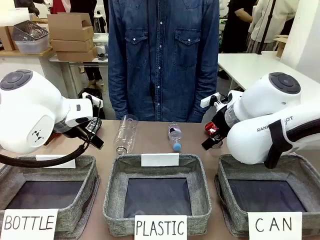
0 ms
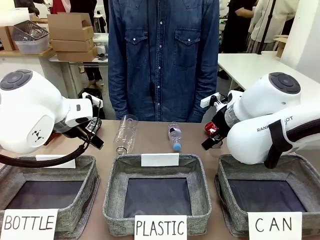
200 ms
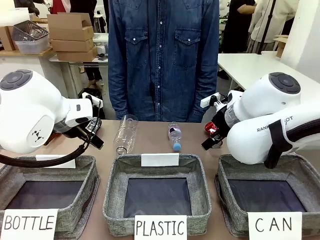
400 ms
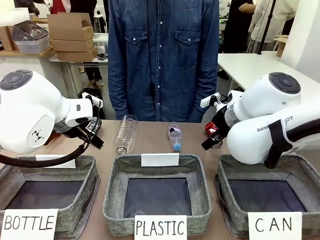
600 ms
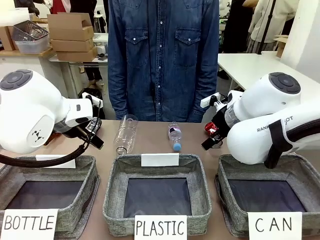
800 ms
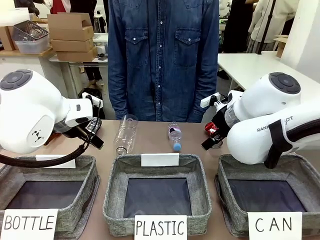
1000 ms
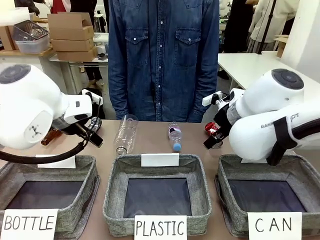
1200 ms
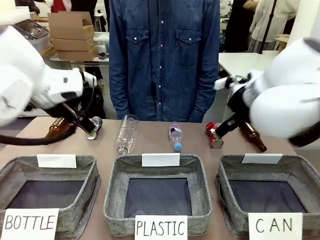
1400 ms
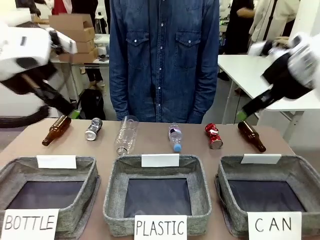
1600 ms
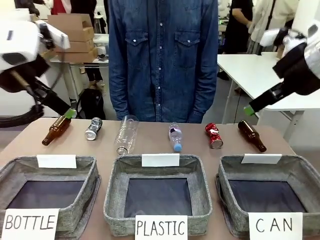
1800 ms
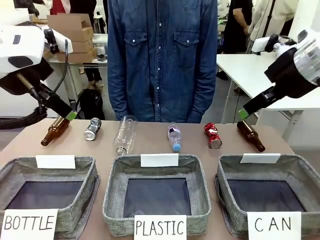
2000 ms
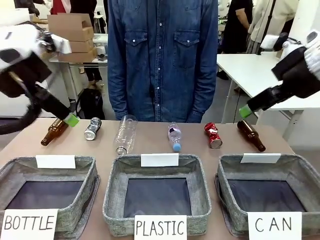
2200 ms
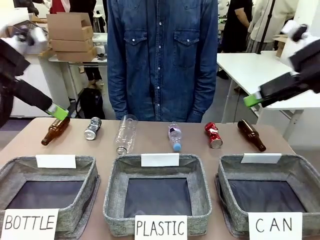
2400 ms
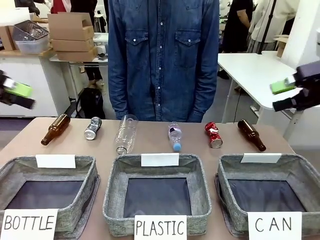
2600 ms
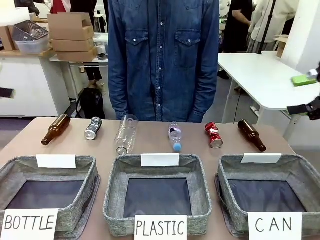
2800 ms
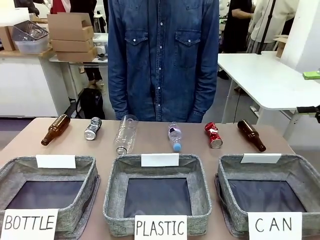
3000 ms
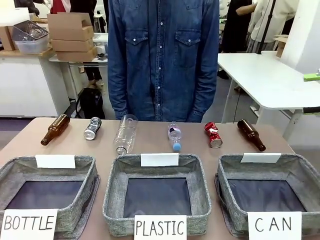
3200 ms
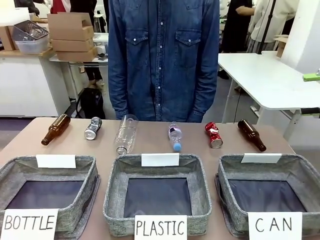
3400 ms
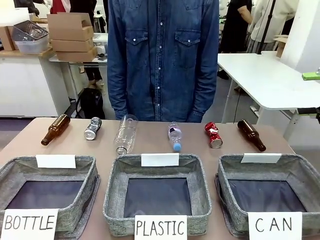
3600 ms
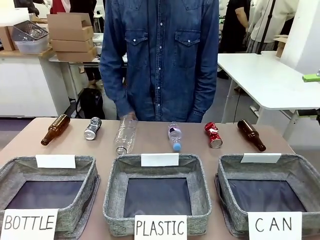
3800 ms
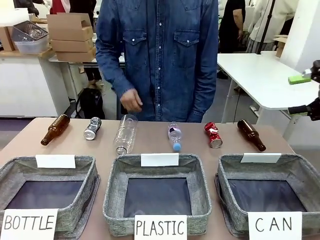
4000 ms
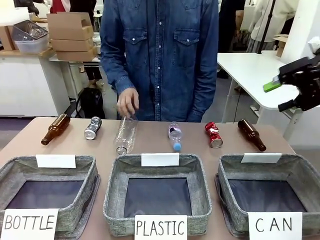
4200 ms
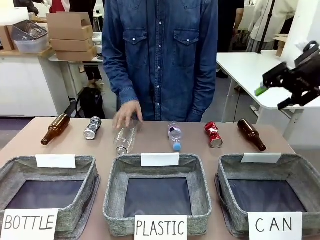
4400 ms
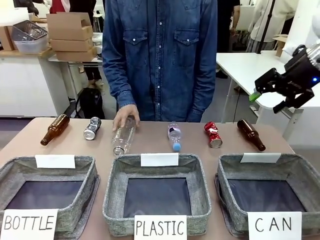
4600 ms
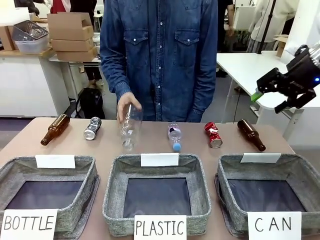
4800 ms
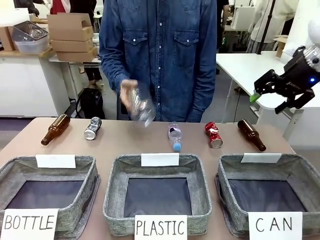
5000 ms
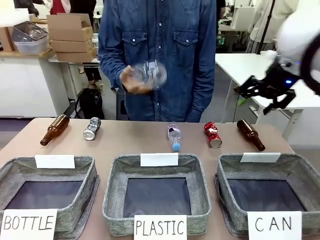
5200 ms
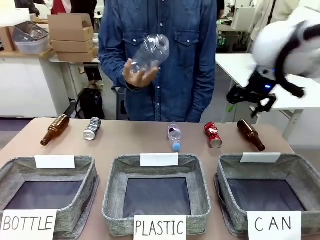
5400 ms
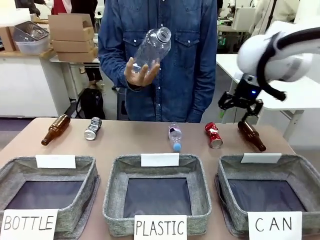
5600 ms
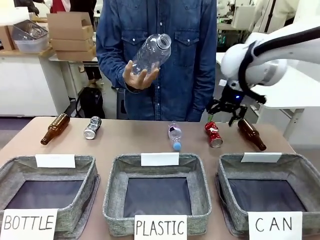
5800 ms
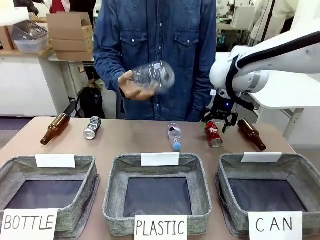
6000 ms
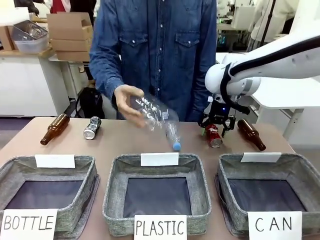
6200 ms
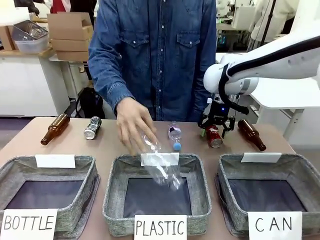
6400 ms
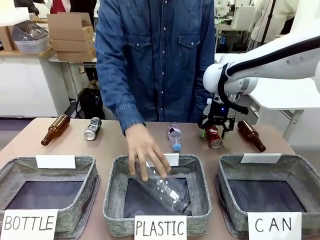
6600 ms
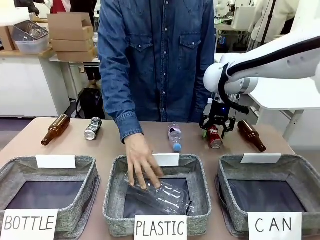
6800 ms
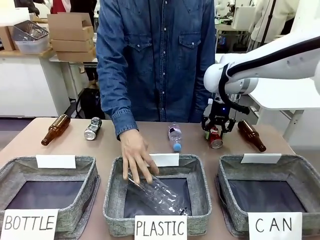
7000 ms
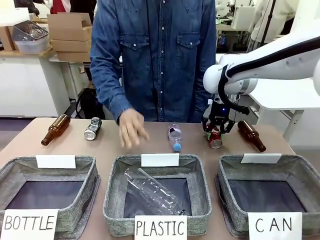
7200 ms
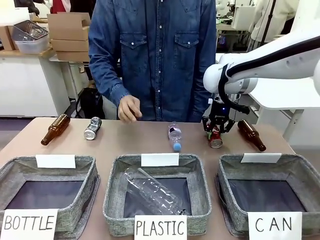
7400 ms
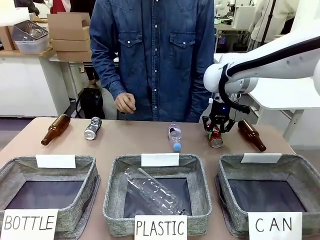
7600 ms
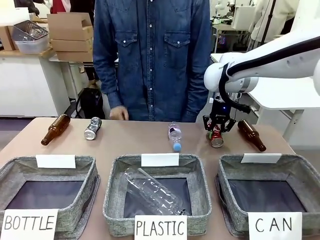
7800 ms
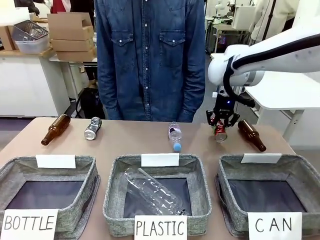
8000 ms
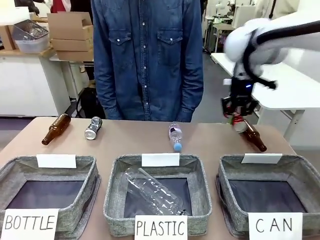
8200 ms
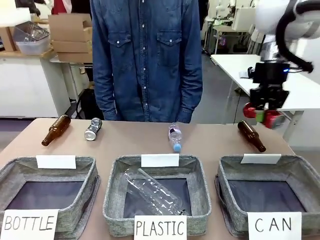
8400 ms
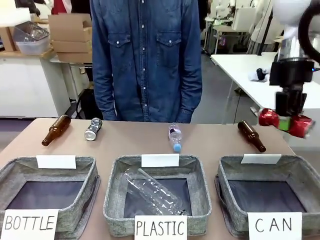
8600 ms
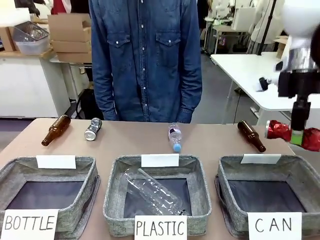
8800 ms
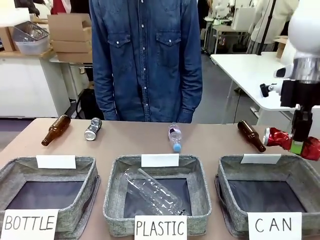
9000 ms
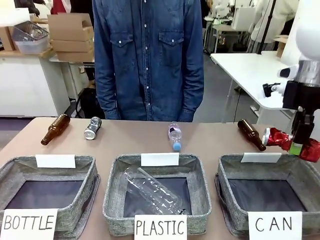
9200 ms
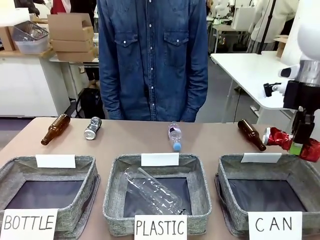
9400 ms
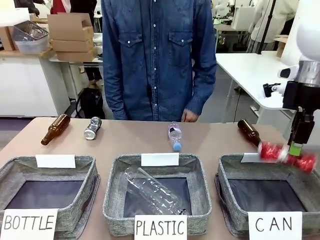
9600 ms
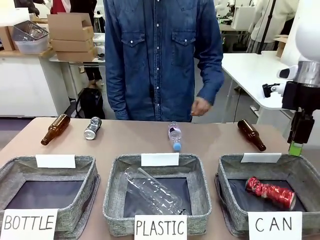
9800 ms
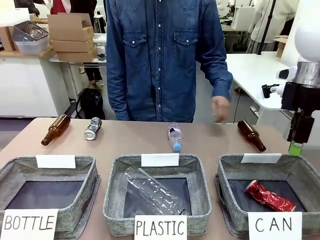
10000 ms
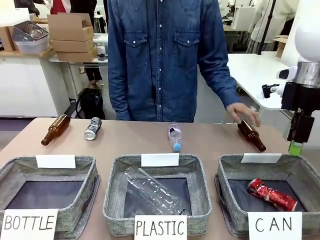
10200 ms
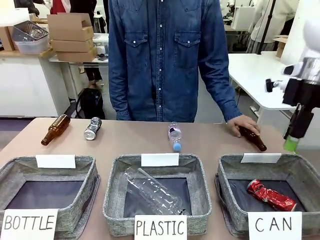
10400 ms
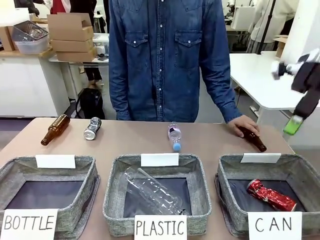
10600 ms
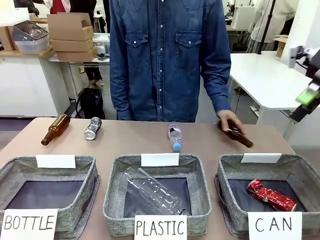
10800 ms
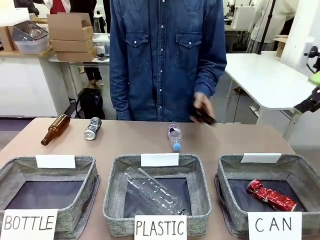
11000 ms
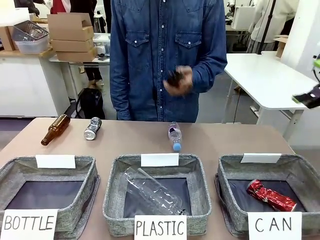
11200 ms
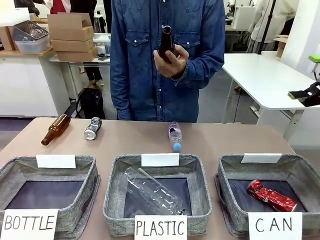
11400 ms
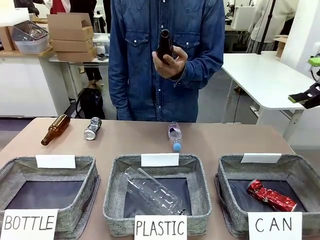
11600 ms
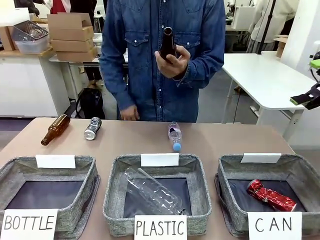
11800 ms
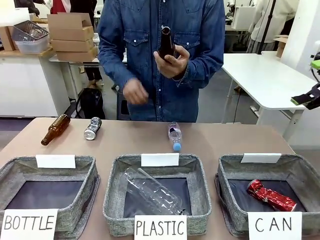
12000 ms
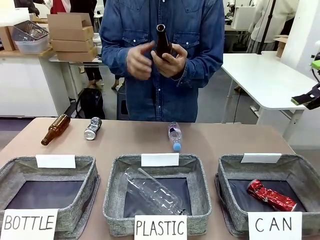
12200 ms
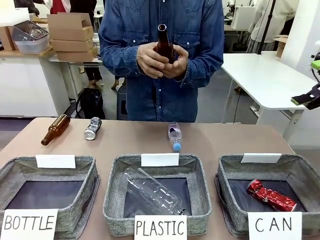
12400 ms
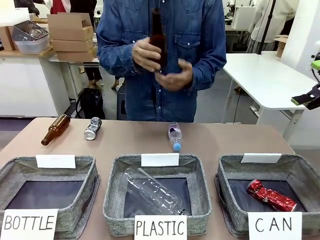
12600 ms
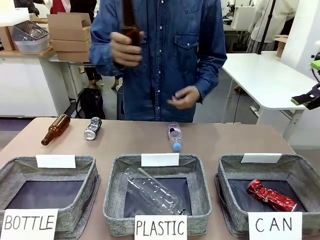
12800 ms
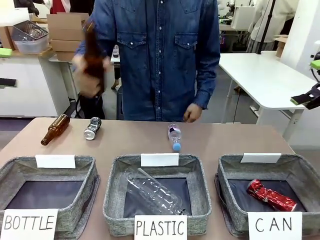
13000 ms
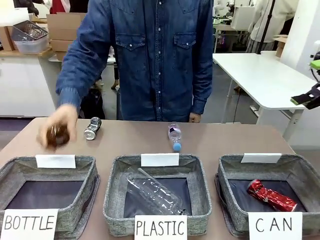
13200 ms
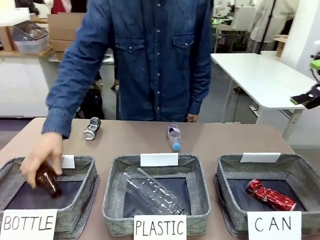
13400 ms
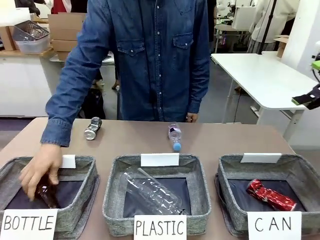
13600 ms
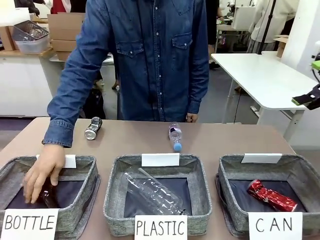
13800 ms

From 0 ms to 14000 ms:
Task: Sort the can waste into the basket.
Robot: Pick up the can waste from the table and place it in the right Fabric basket.

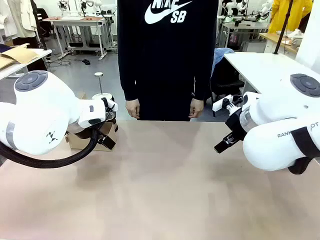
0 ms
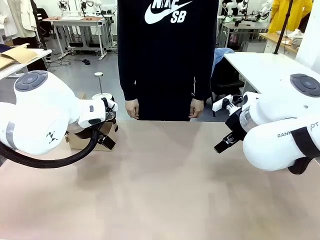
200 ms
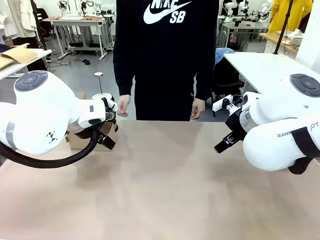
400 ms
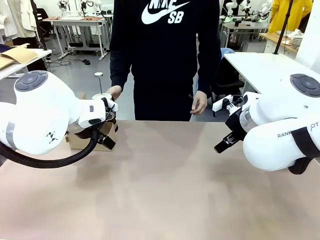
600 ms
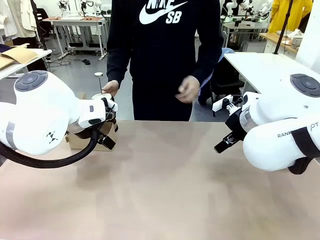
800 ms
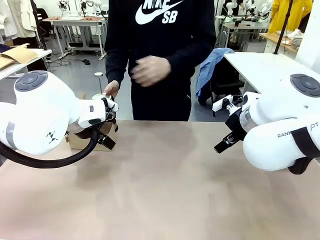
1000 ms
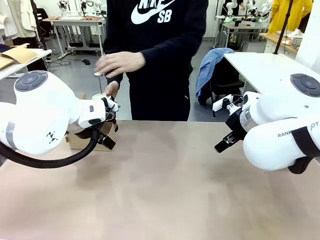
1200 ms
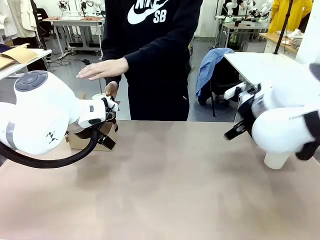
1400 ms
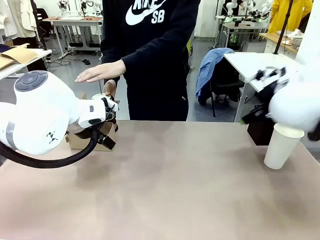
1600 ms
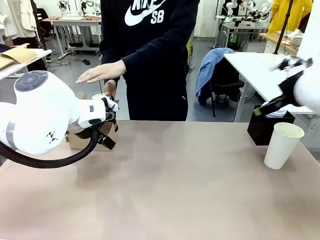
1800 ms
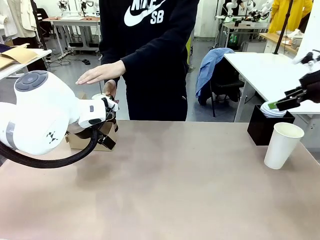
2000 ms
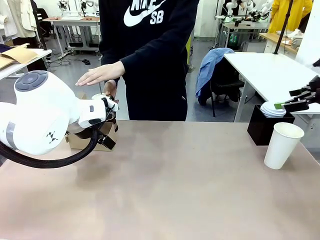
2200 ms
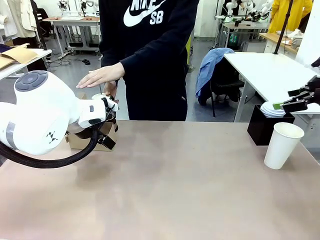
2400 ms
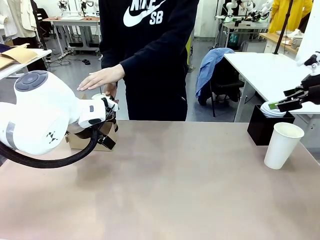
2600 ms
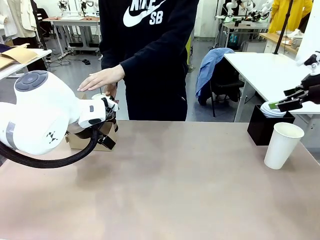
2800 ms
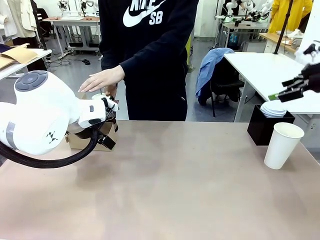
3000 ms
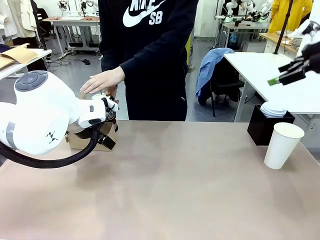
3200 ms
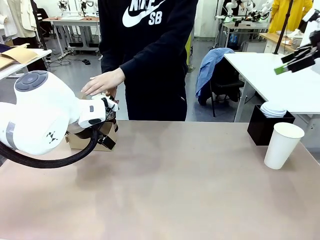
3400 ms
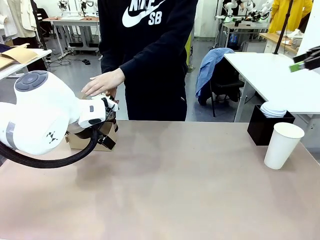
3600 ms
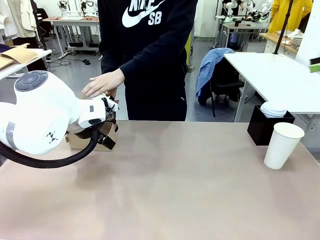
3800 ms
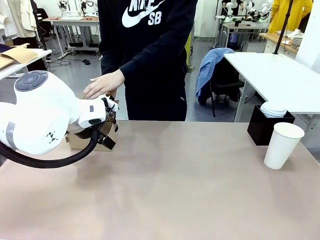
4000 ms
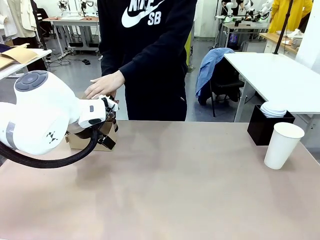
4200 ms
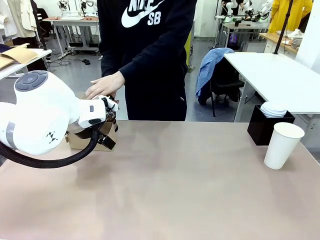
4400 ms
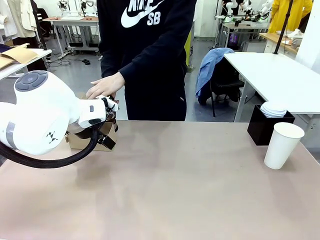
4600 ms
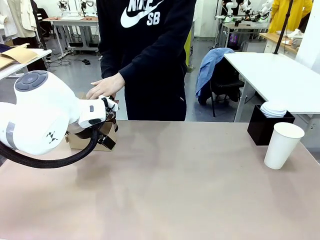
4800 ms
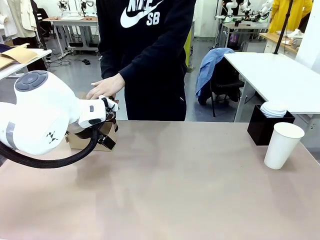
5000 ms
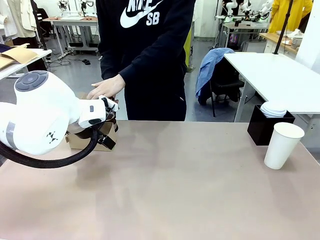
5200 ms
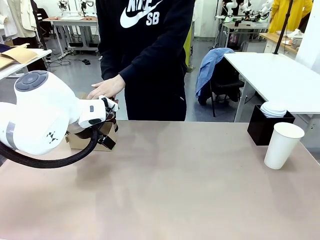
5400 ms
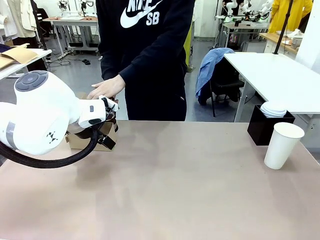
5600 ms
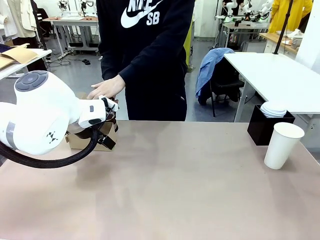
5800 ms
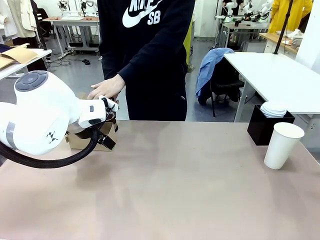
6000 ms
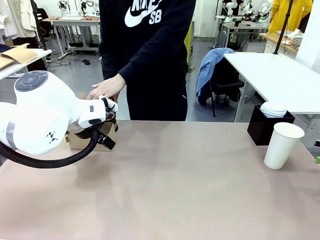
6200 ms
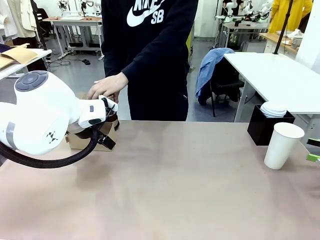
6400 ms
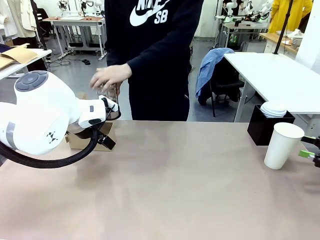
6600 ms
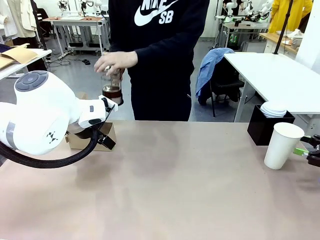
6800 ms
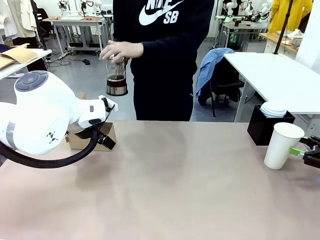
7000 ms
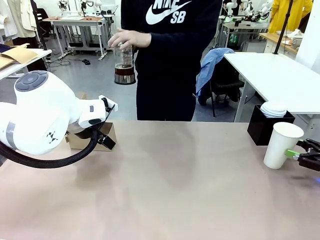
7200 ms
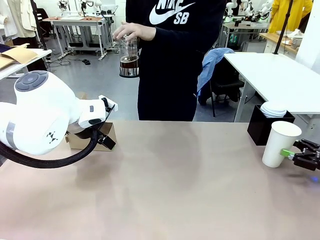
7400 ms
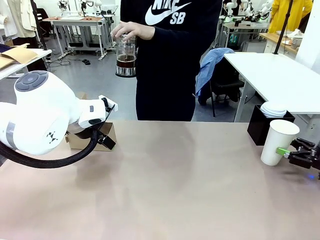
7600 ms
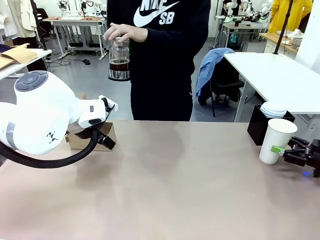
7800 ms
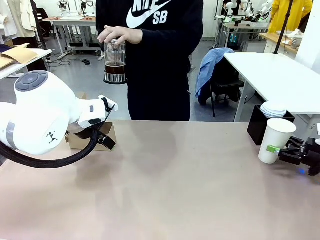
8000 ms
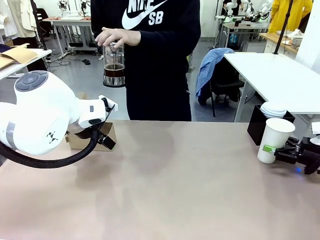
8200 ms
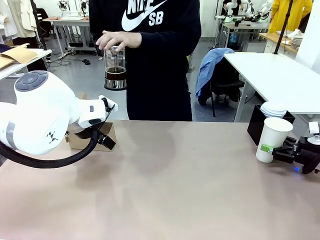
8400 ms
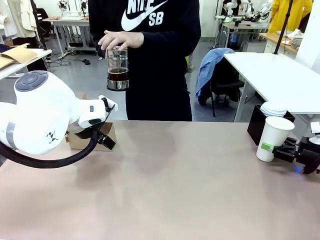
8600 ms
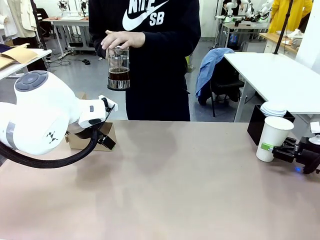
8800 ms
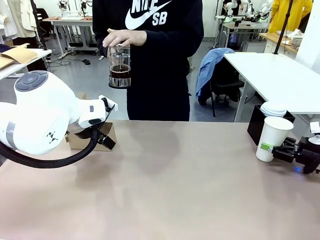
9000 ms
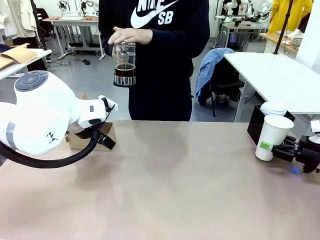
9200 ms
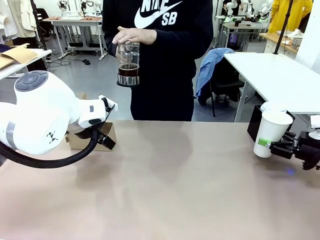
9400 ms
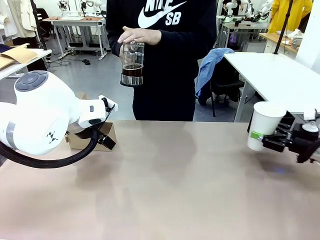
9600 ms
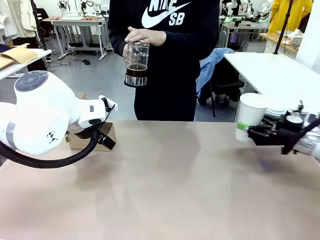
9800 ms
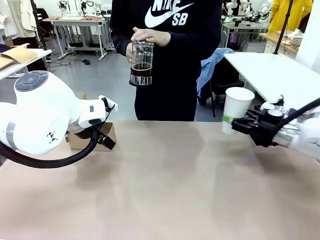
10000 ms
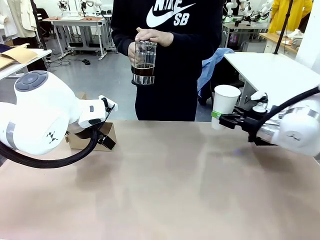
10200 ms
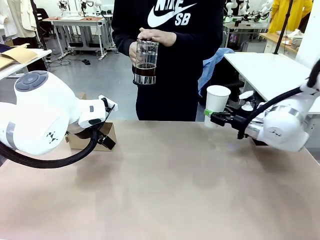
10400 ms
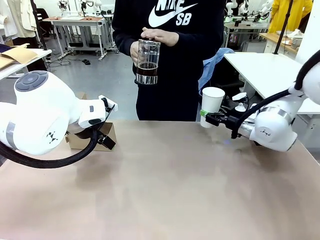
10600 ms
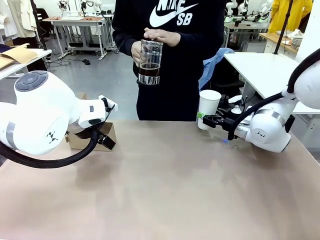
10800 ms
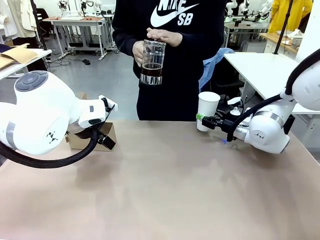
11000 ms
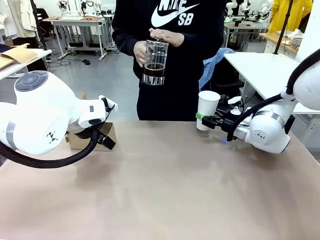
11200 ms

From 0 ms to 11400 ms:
Task: Pour a drink into a cup and package it in a carrier.
Robot: Pick up the 600 ml Paper Cup and place it in the middle top area of the table.
Person: Press and pick up the Filter Brewing.
